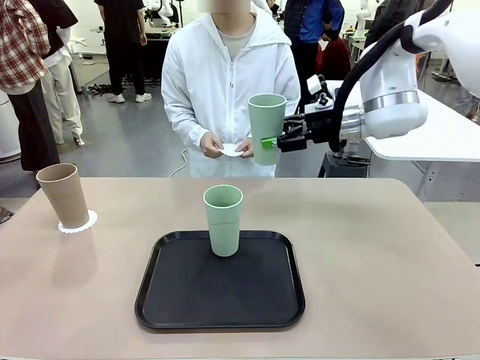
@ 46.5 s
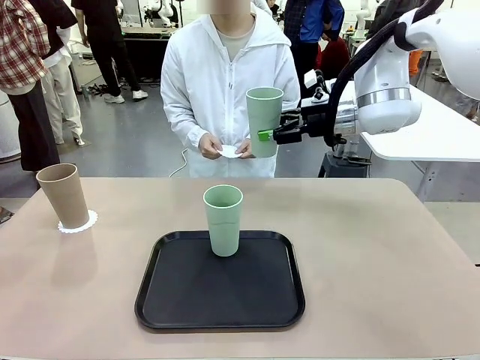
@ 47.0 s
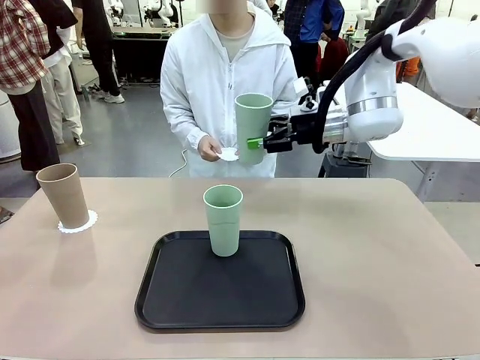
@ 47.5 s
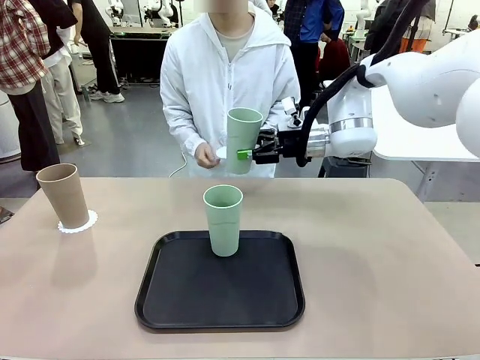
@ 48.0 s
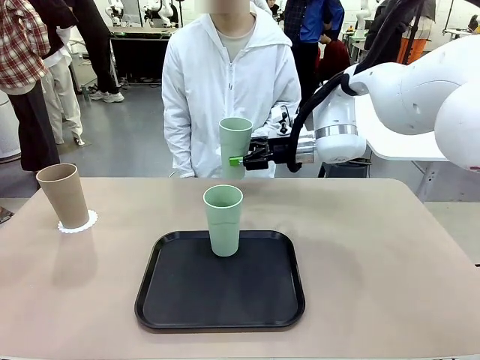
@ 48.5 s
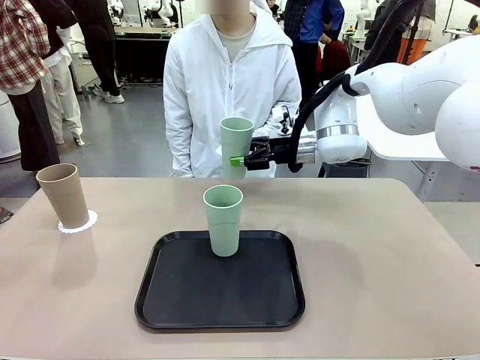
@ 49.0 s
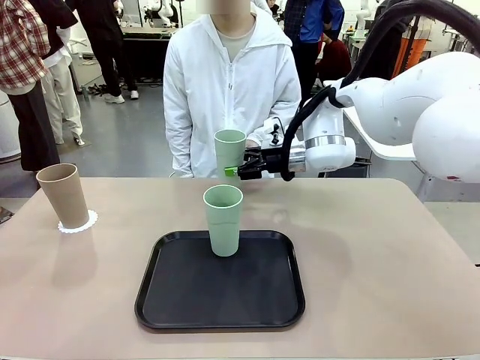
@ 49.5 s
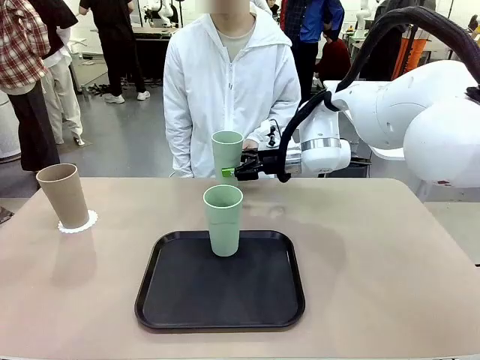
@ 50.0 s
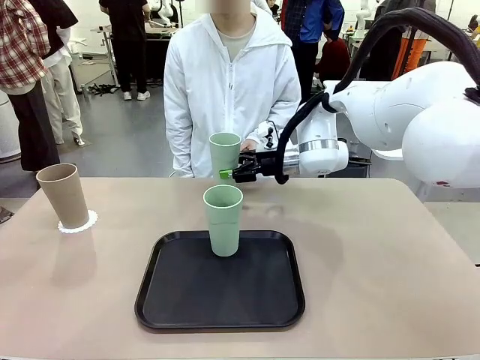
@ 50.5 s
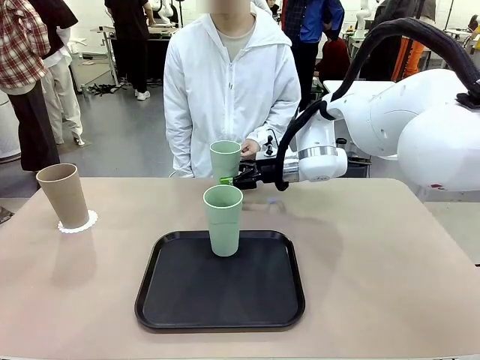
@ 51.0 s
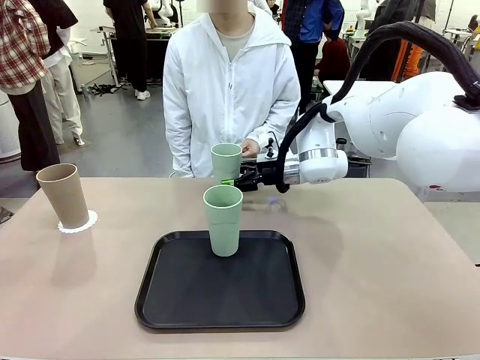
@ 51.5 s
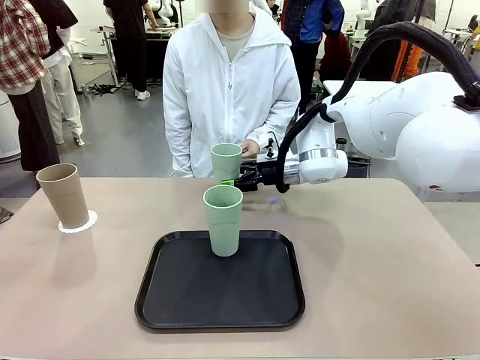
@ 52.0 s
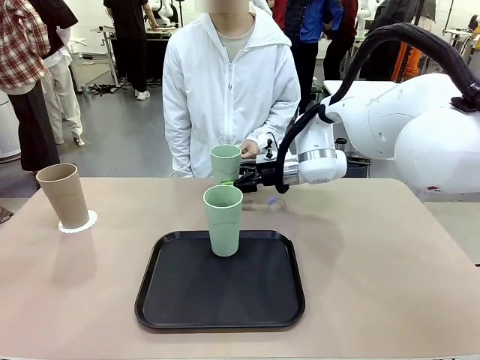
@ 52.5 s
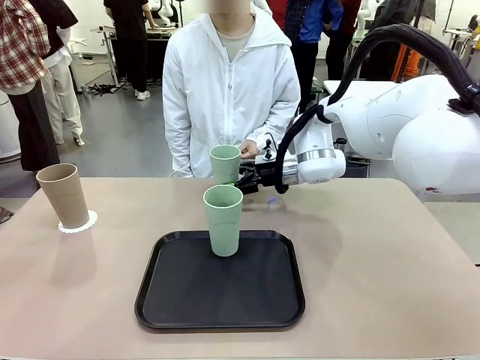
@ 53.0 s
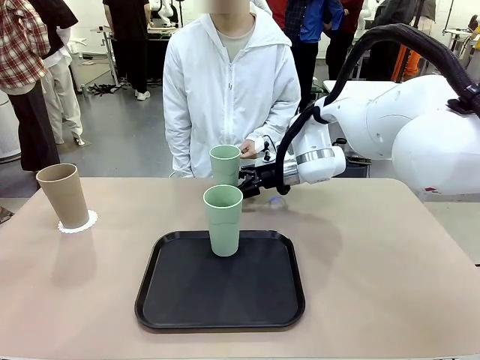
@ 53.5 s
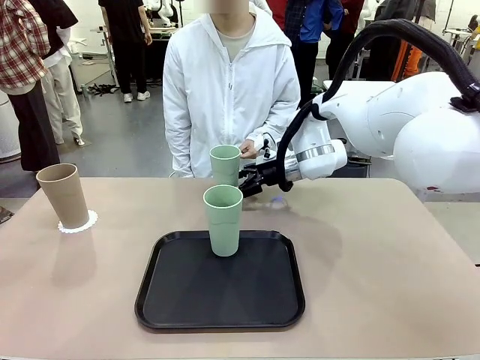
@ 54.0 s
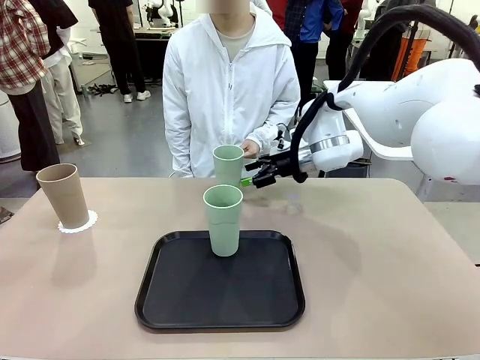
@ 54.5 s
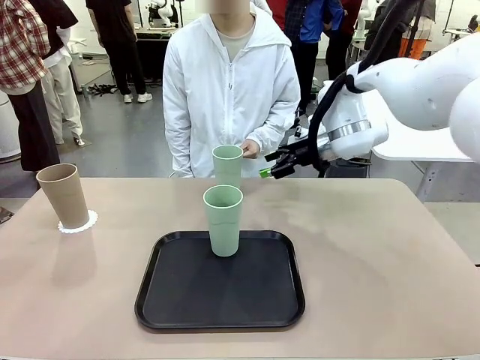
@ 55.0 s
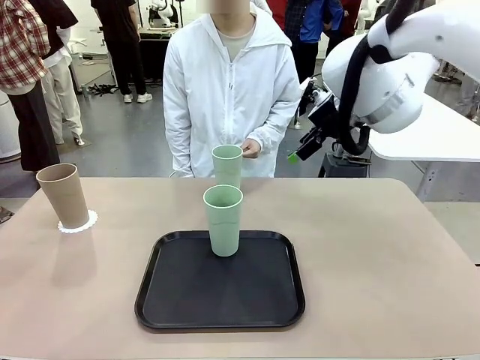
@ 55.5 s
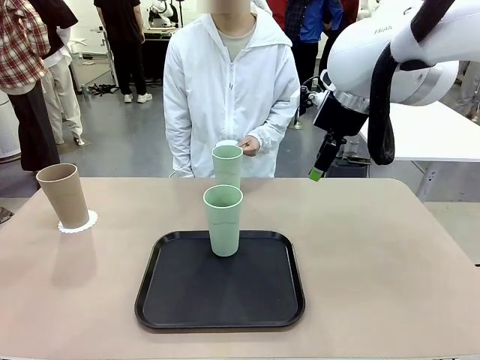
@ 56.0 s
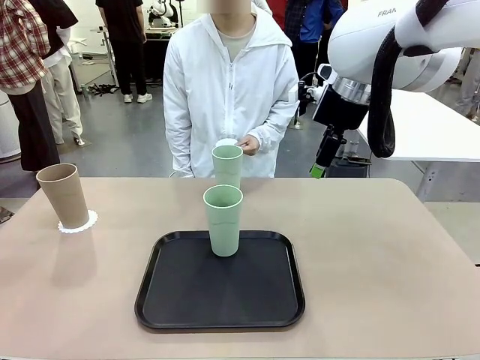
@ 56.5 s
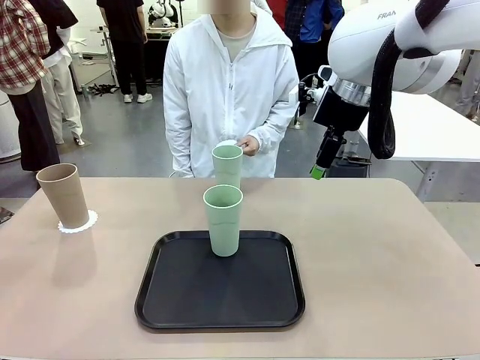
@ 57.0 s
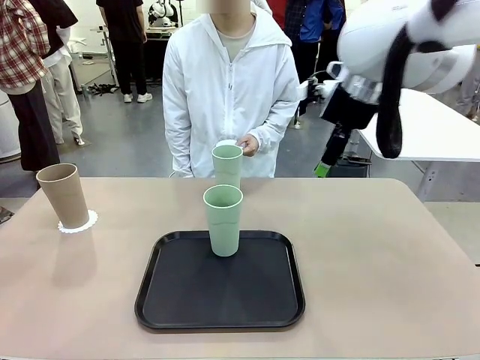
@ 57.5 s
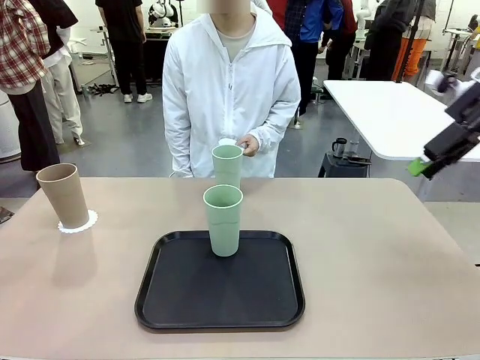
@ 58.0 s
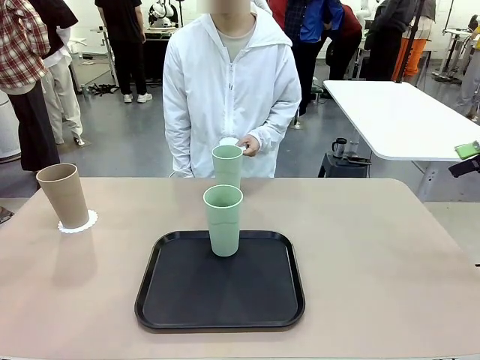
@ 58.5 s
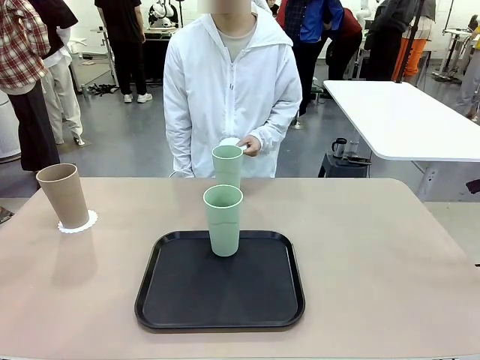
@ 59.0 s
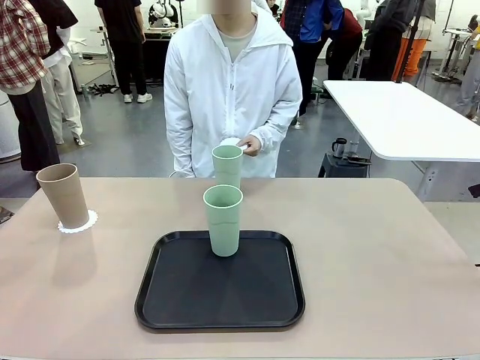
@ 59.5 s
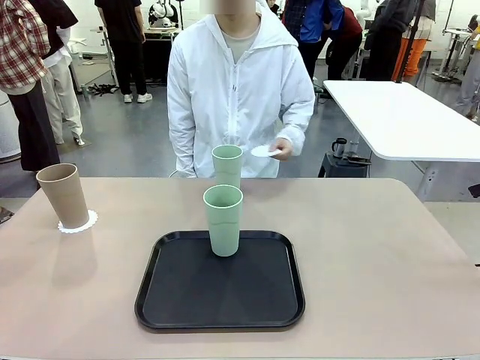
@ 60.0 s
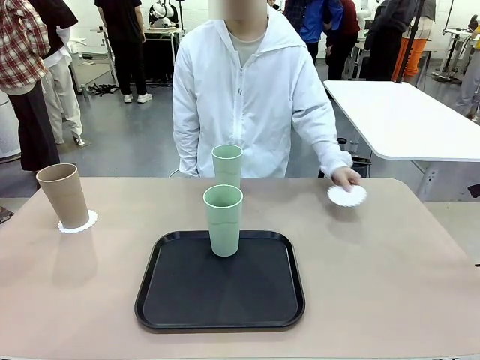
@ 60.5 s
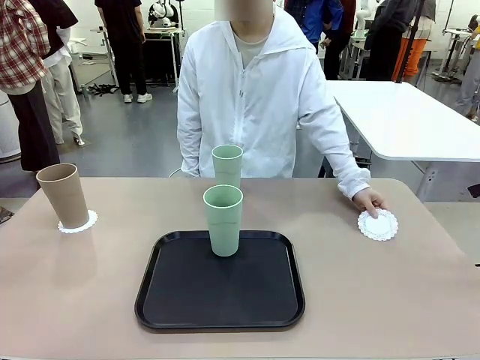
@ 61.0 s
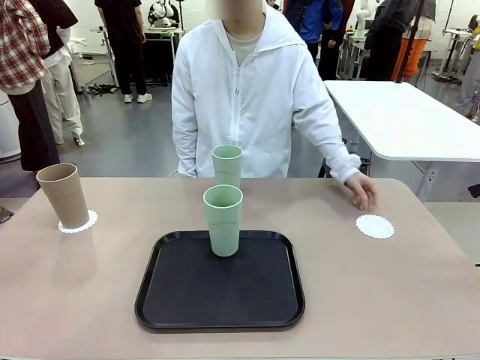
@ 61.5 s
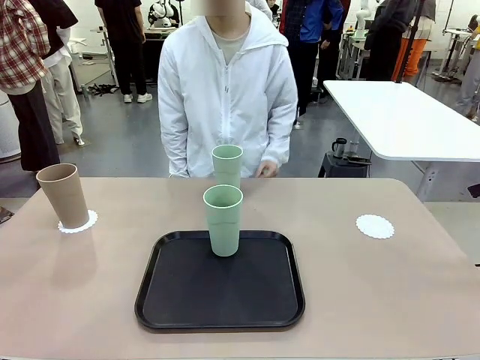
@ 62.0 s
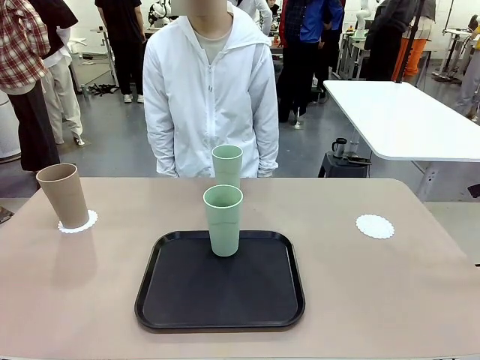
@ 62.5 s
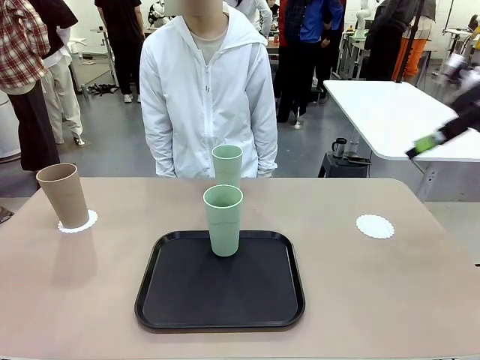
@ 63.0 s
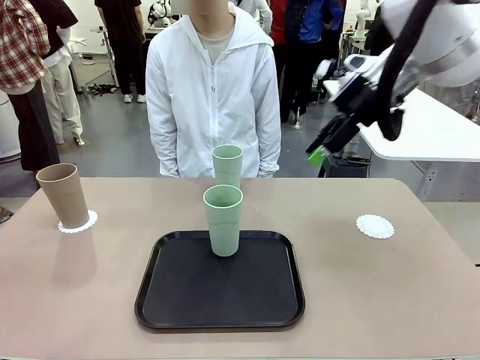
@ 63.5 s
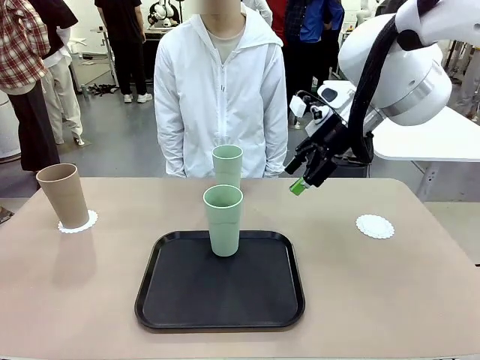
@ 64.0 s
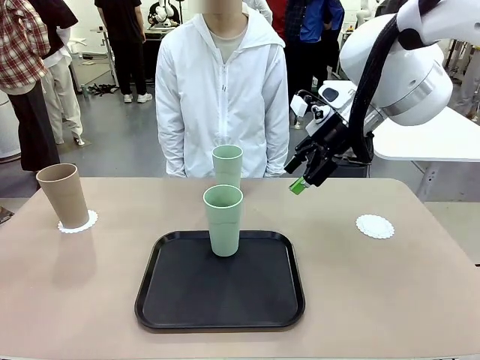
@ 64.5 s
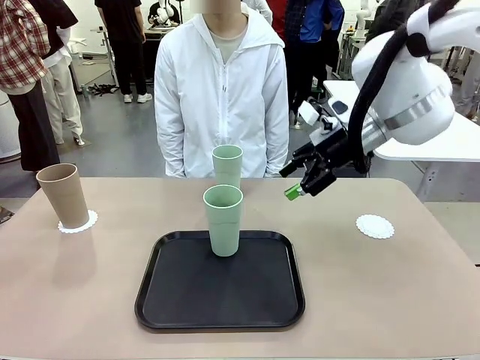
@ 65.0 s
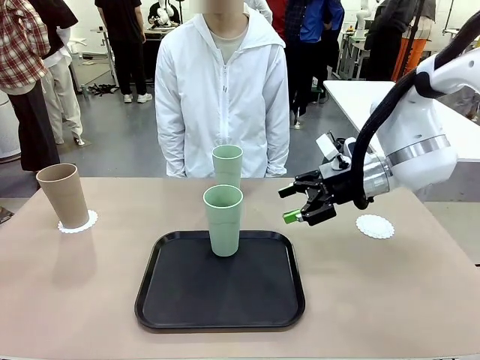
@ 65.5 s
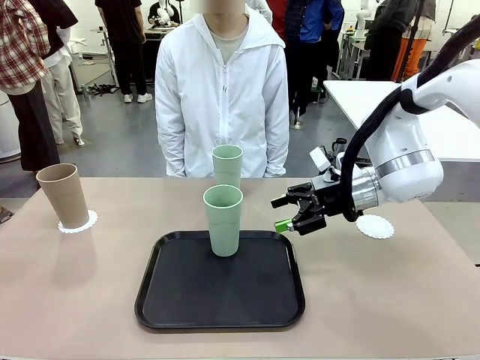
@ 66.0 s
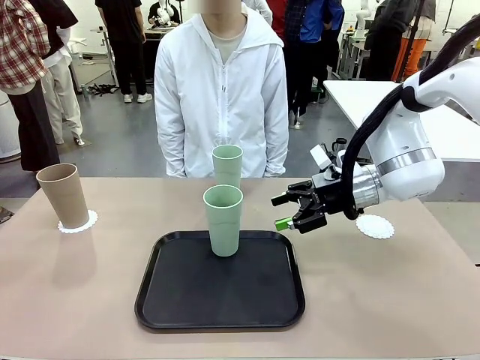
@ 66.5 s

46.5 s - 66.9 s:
Task: Place coasters on the table and set cups on them.
Robot: Take one Reusable plastic cup from the Flat Tray and place it on a coaster set by the human.

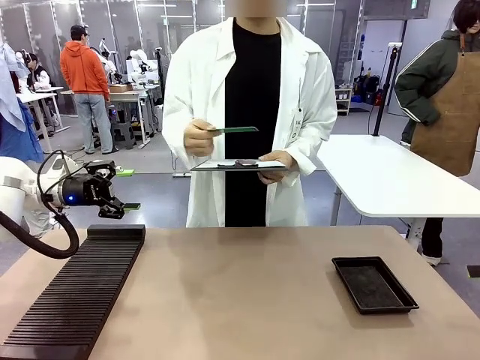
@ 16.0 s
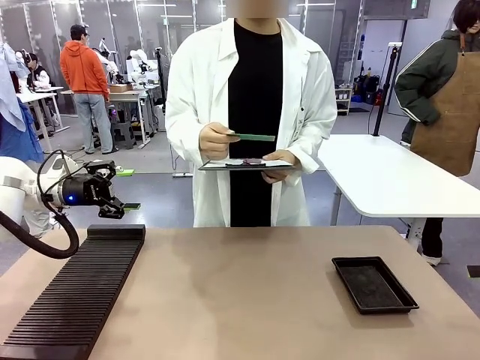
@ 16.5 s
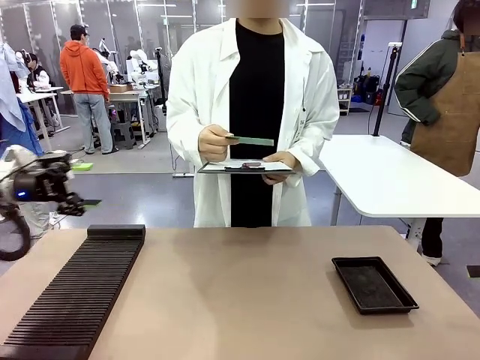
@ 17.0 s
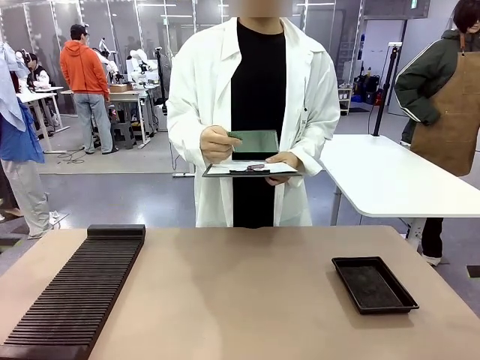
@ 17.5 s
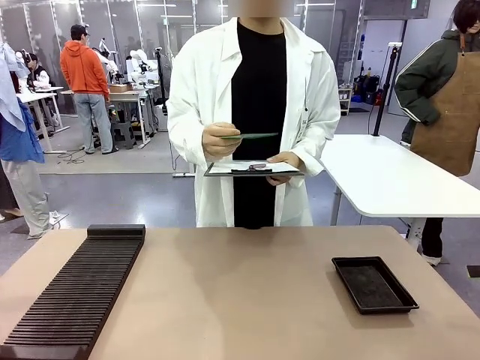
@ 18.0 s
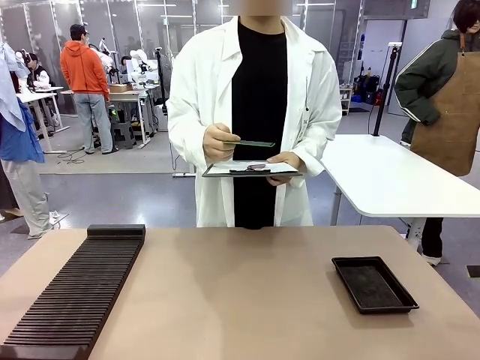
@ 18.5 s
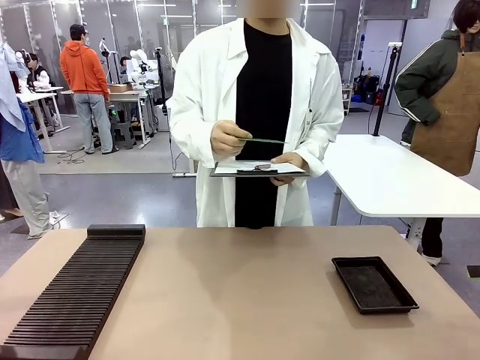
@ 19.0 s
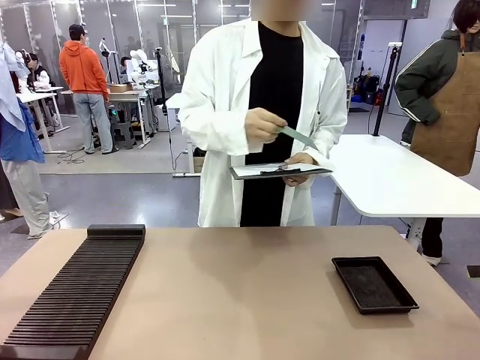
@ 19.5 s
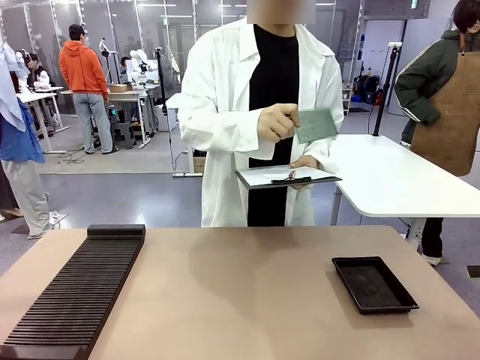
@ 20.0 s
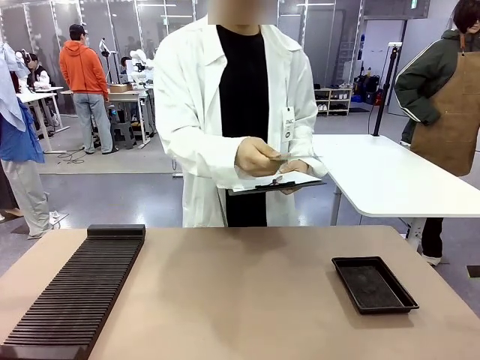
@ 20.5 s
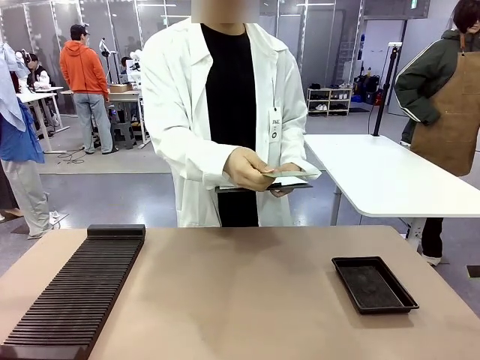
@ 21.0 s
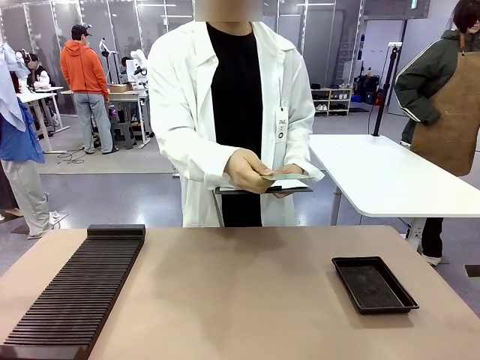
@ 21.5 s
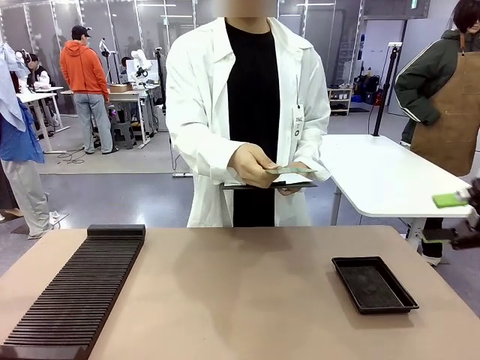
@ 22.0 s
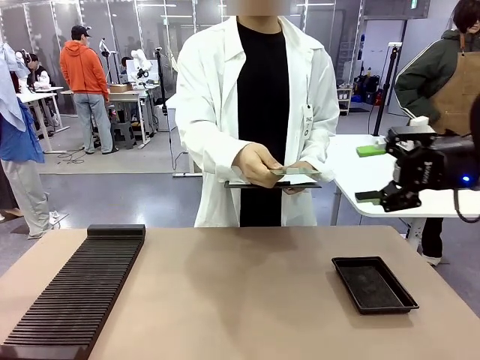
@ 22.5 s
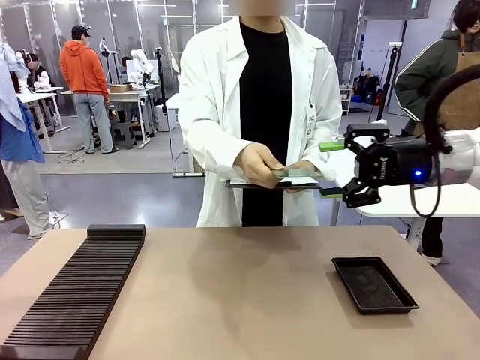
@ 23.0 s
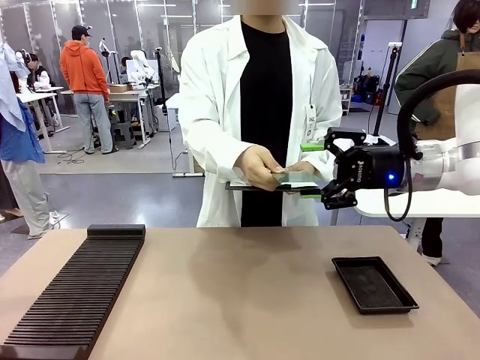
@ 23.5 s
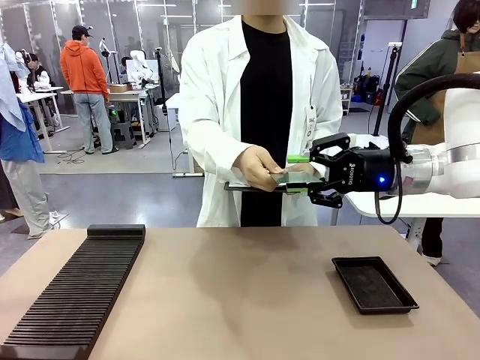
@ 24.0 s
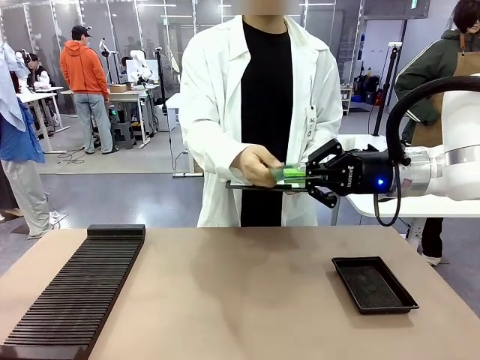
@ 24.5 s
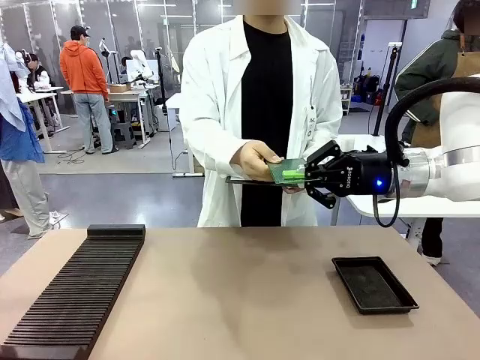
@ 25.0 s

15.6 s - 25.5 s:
Task: Inspect the PCB.
Robot: Pick up the Blank PCB that the human is holding.
Person: Inspect the PCB placed by the robot, then hold it out in front of the robot. Release the PCB you were holding.
